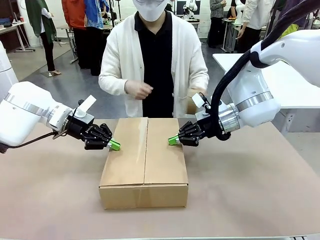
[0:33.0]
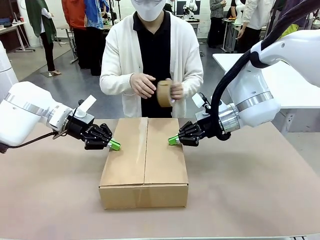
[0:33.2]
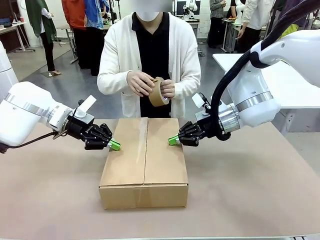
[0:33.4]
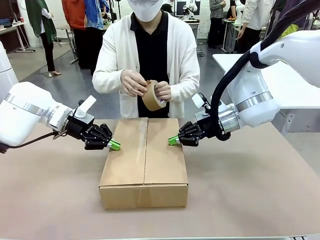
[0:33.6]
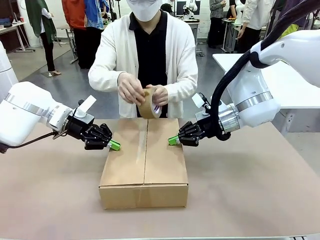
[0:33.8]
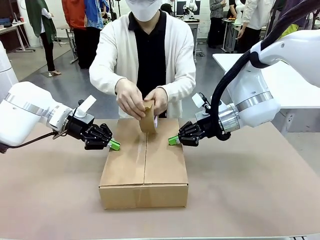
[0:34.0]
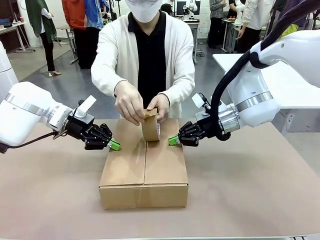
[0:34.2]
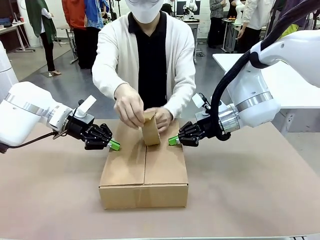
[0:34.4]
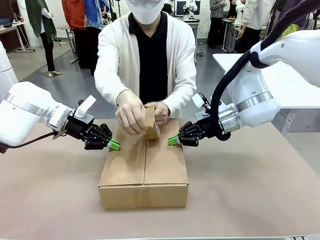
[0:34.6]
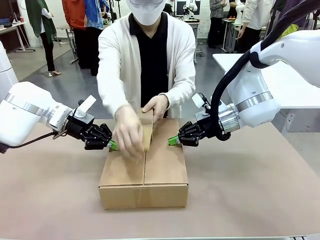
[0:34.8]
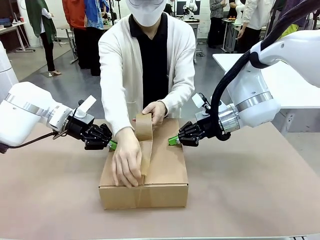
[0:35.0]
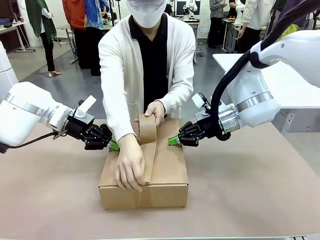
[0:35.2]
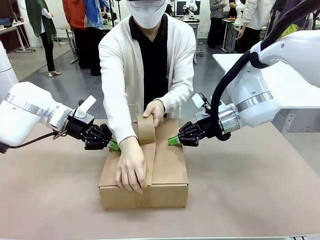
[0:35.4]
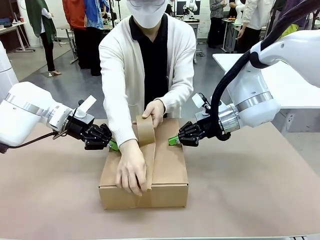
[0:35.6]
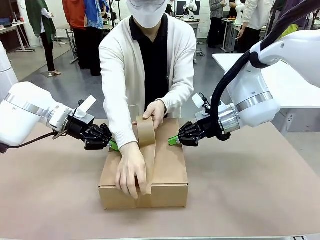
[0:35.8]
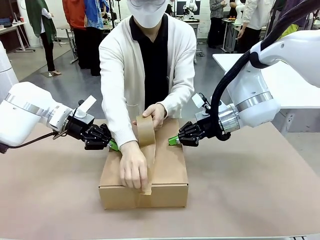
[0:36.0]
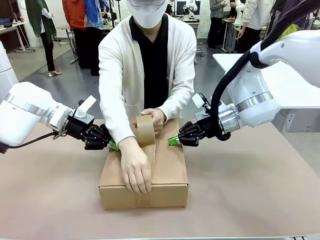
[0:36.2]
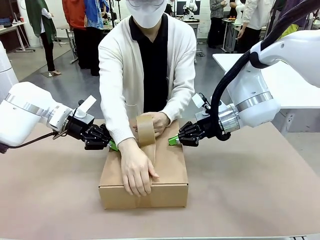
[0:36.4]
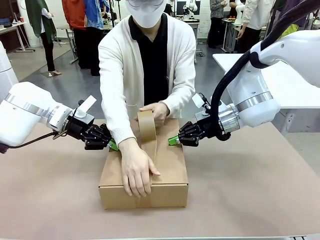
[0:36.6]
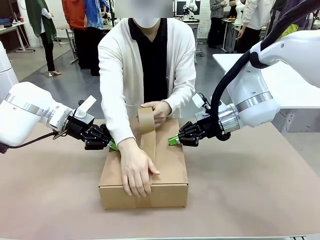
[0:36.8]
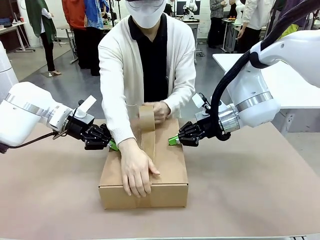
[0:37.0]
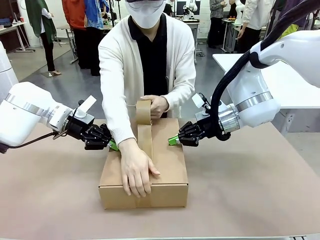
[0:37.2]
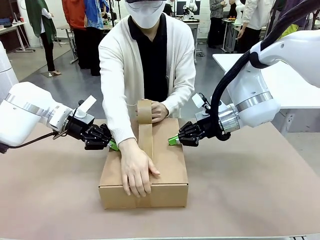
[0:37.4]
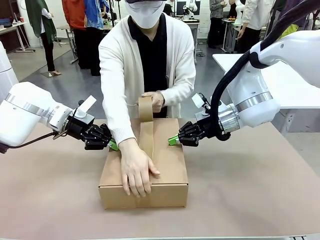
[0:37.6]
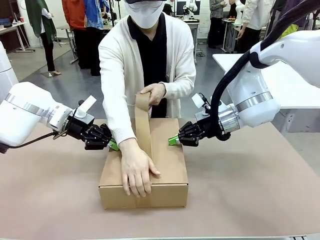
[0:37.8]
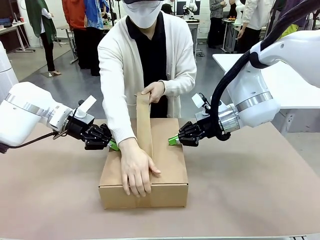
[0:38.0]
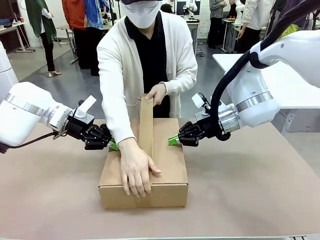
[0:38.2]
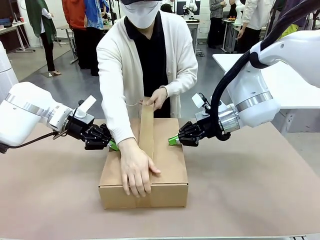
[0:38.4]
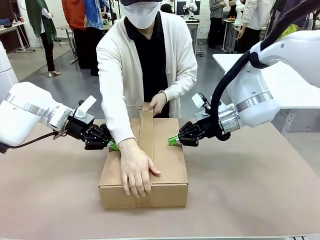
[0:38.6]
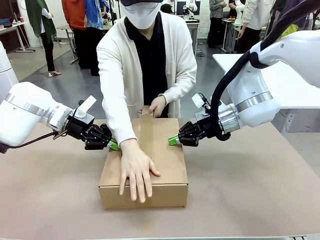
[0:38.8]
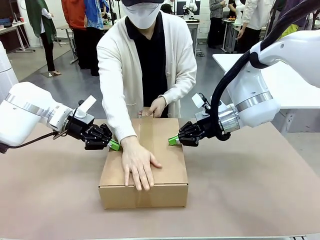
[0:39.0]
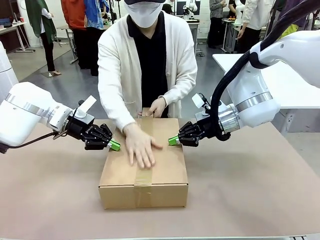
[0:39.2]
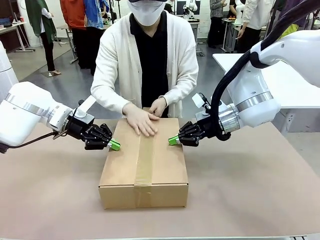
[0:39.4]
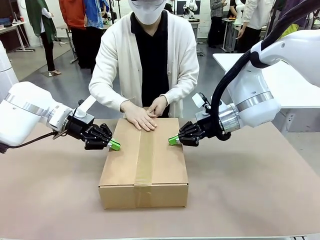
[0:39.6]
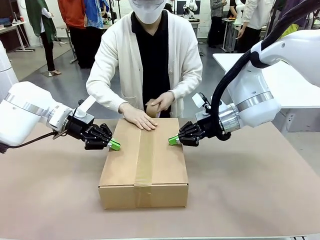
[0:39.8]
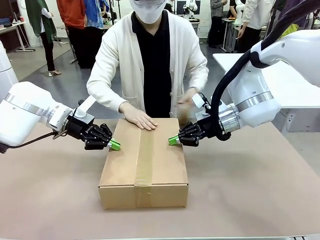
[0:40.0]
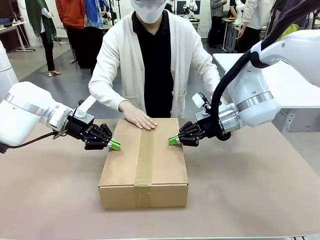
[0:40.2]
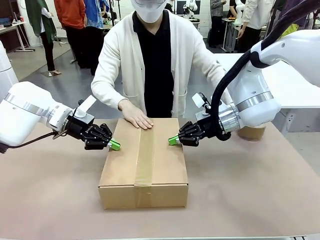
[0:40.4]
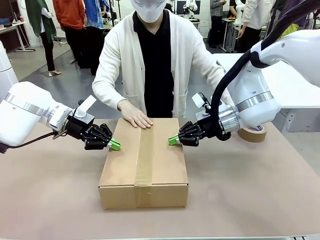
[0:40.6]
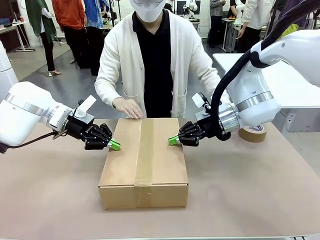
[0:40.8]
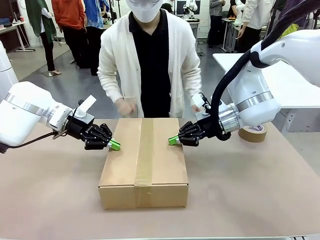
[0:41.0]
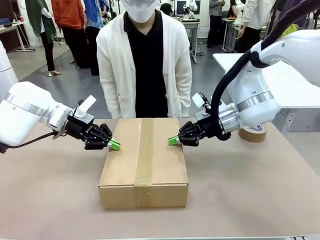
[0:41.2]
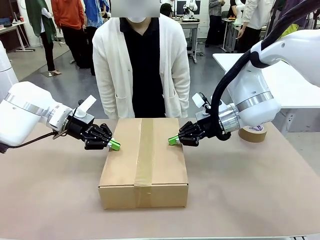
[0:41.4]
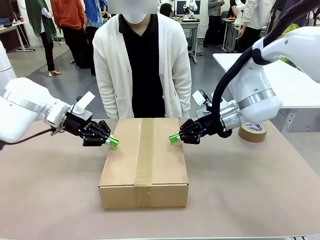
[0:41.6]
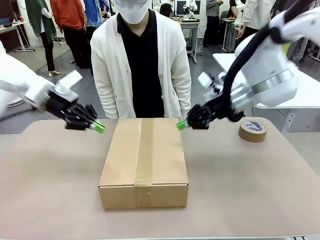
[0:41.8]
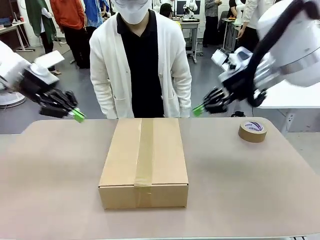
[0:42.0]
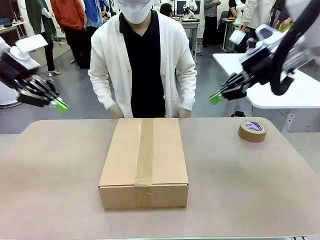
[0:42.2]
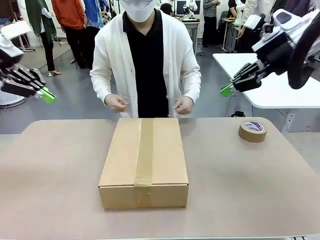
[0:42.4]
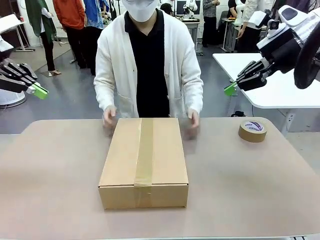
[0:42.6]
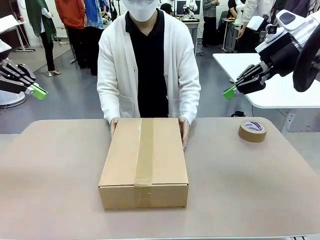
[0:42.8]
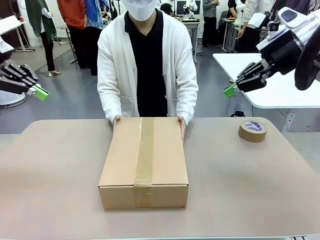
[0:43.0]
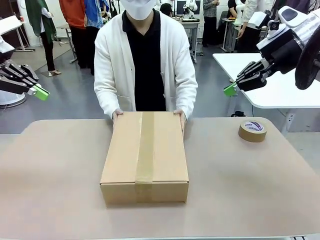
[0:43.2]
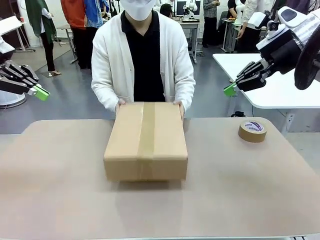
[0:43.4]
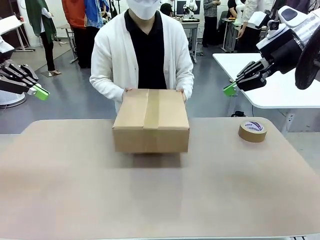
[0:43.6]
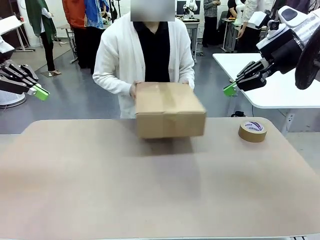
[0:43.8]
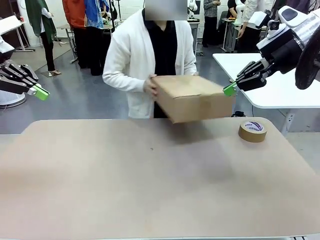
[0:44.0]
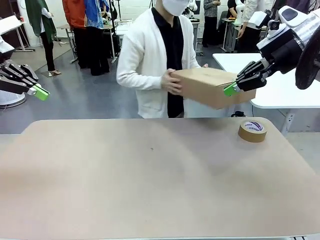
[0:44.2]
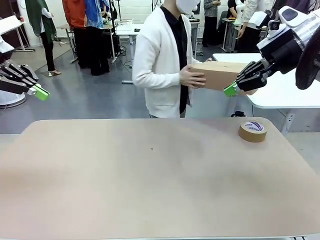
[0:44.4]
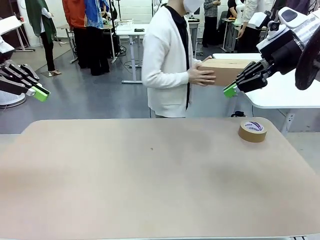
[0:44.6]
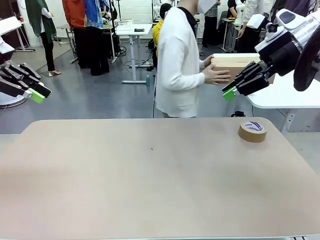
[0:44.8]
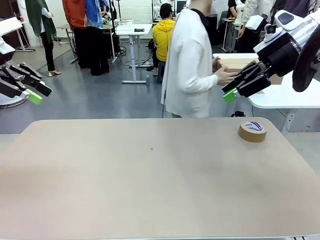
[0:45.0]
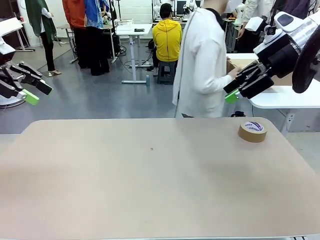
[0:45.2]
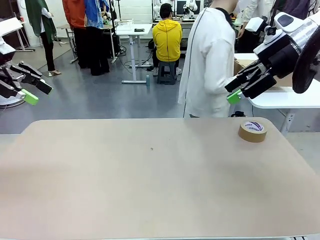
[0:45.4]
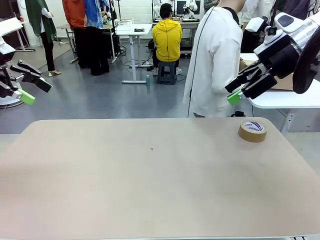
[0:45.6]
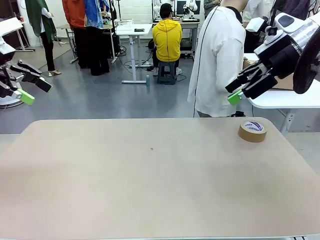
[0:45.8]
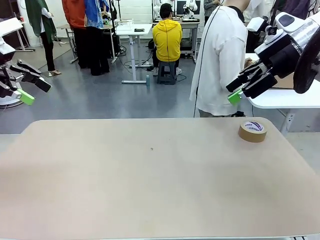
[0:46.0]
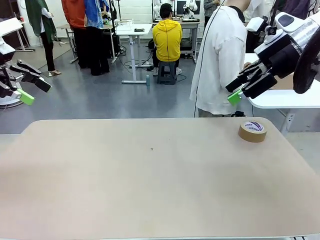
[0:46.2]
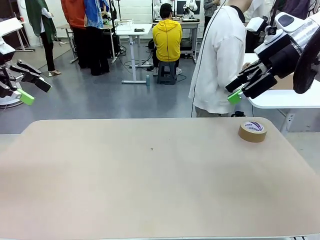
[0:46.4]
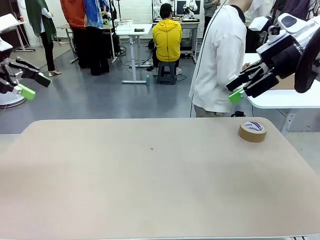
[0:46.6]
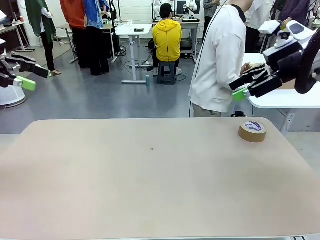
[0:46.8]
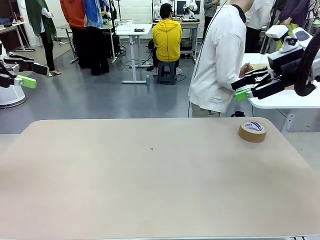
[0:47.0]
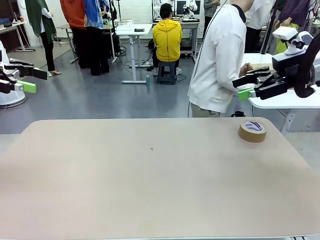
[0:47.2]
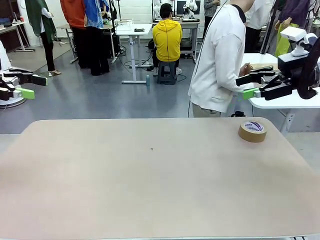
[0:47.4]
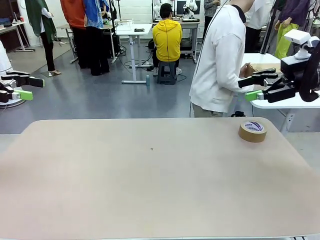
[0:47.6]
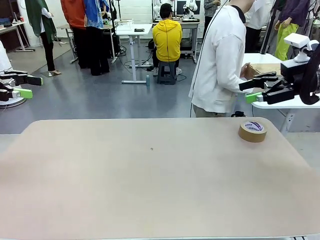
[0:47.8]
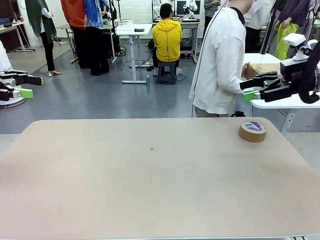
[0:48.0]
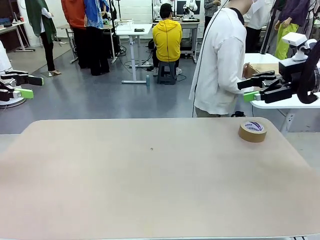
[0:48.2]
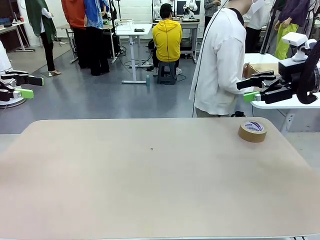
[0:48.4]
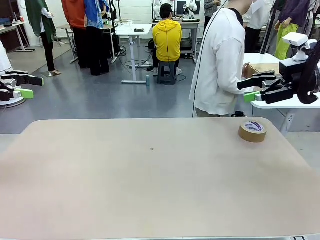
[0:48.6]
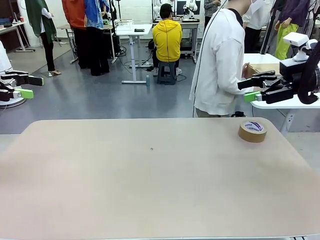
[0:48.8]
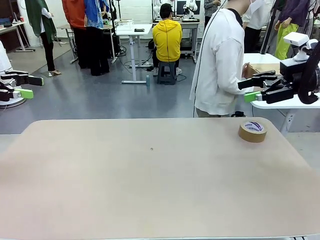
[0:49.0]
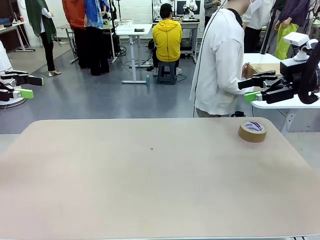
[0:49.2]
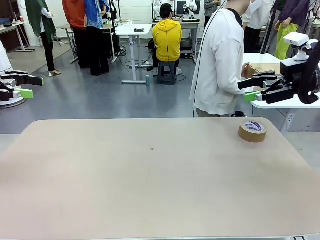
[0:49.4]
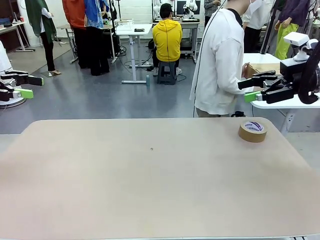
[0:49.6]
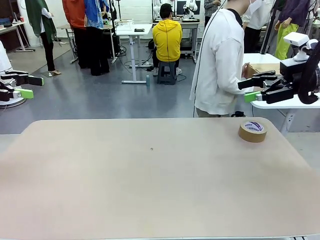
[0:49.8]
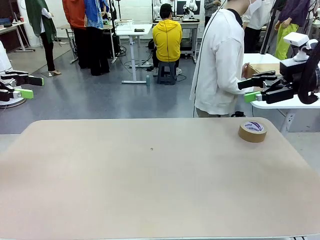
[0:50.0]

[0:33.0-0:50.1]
Task: Wrap the clocks to prevent damage.
Robot: After the human seals the box with tape, release both hands from the side flaps of the Package Box.
Person: Once the robot closes the left flap of the Package Box , seal the box with Paper Tape. Place sealed Package Box in the middle of the human's table.
